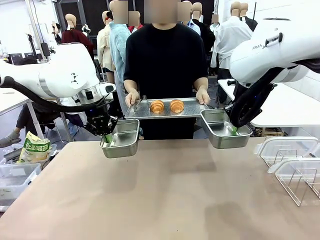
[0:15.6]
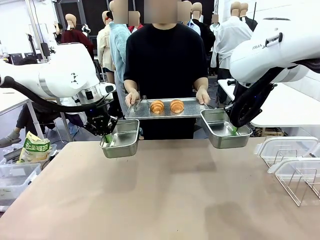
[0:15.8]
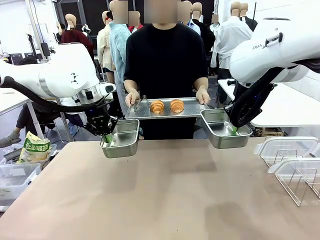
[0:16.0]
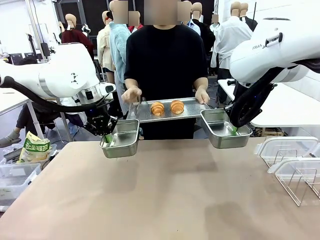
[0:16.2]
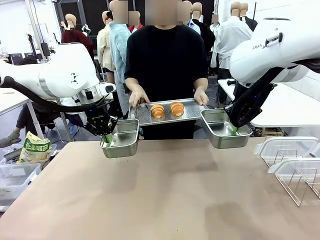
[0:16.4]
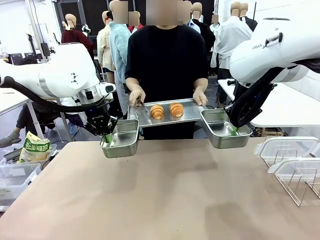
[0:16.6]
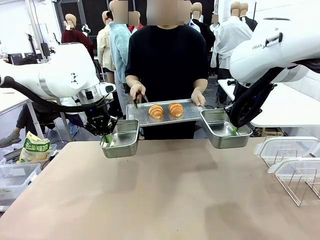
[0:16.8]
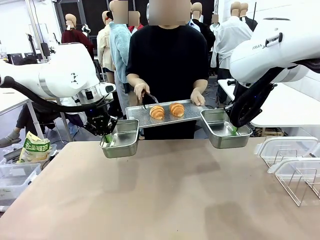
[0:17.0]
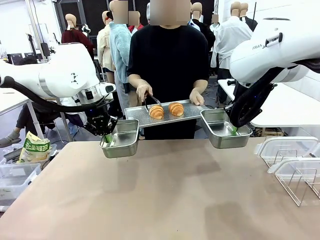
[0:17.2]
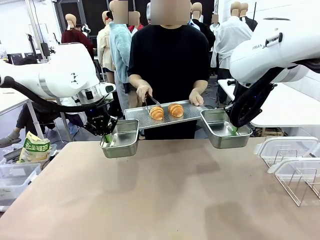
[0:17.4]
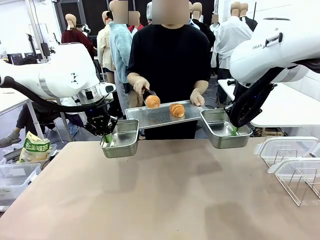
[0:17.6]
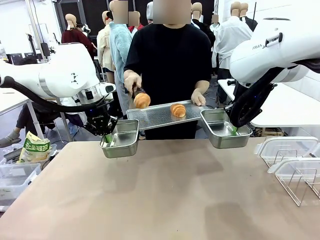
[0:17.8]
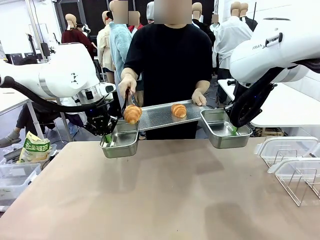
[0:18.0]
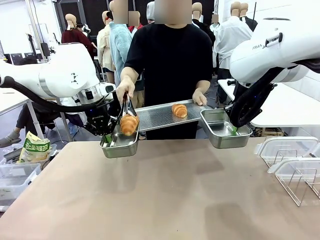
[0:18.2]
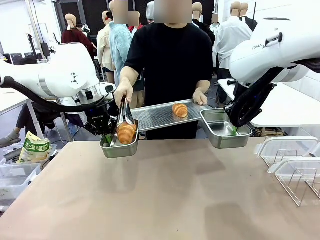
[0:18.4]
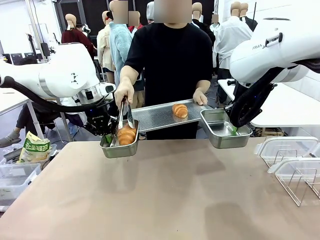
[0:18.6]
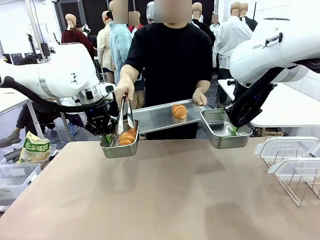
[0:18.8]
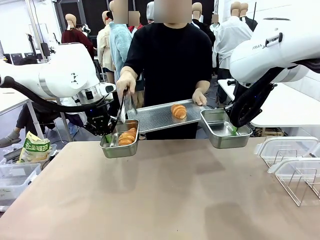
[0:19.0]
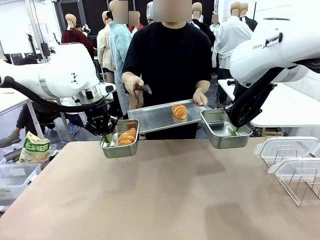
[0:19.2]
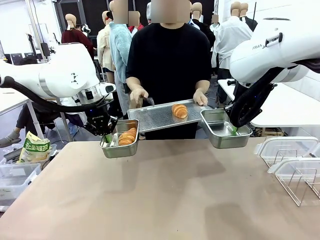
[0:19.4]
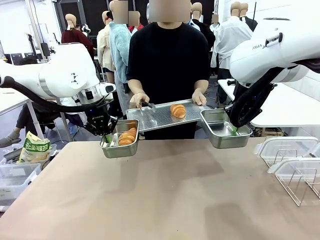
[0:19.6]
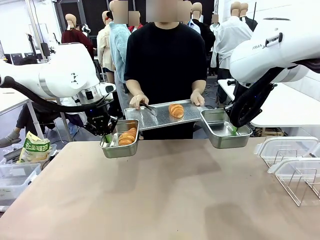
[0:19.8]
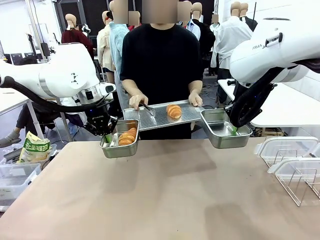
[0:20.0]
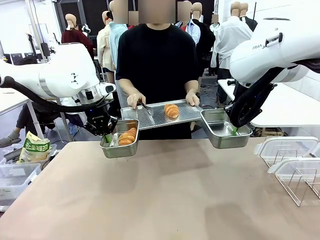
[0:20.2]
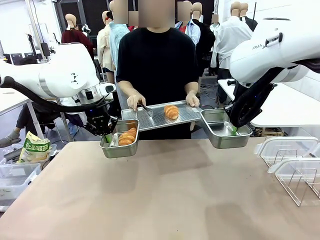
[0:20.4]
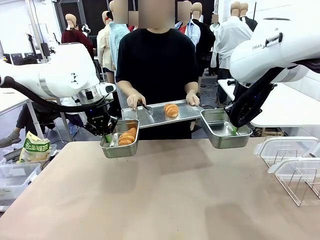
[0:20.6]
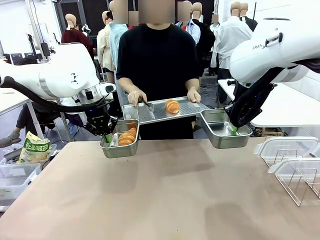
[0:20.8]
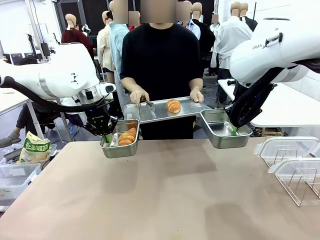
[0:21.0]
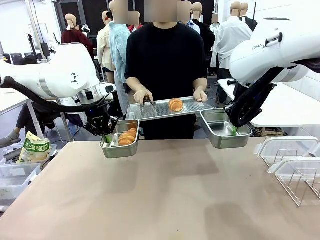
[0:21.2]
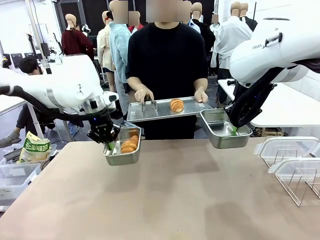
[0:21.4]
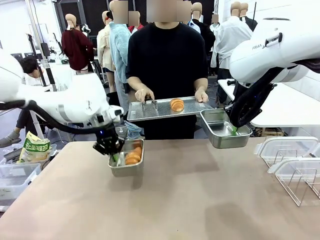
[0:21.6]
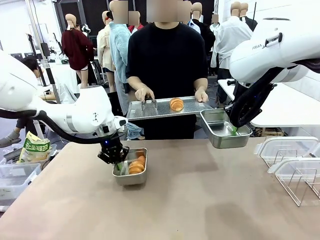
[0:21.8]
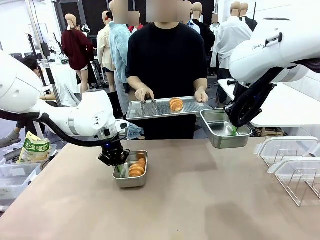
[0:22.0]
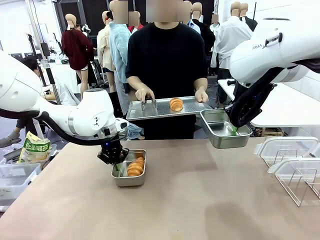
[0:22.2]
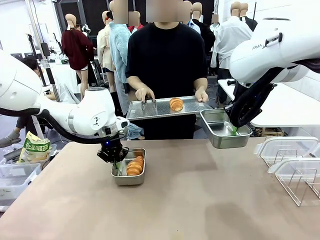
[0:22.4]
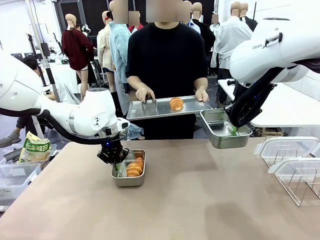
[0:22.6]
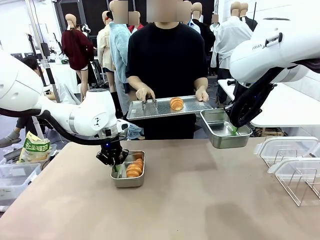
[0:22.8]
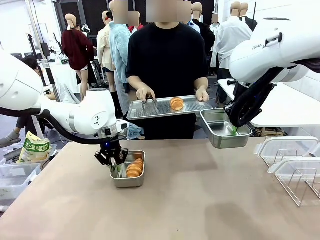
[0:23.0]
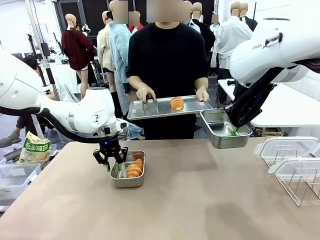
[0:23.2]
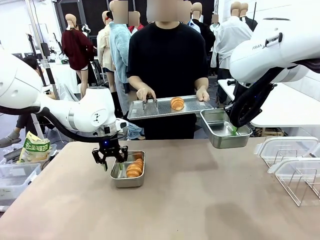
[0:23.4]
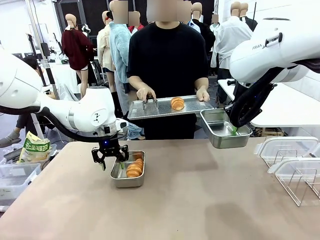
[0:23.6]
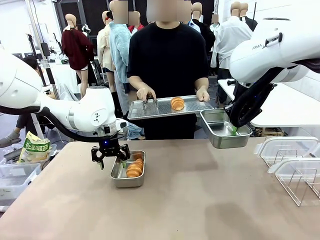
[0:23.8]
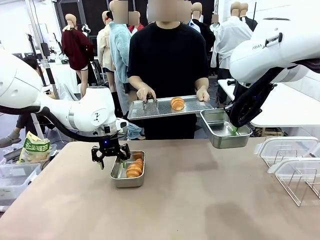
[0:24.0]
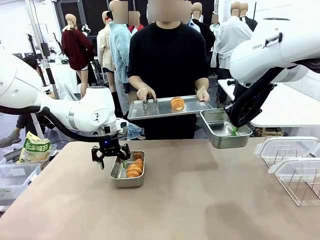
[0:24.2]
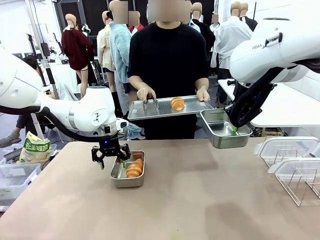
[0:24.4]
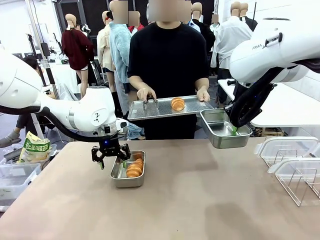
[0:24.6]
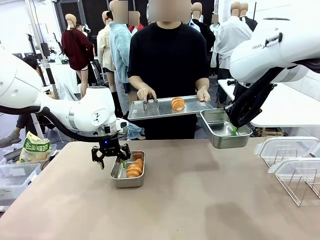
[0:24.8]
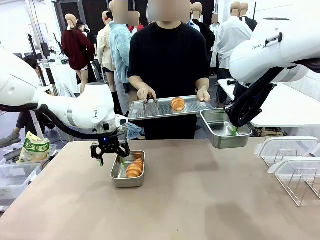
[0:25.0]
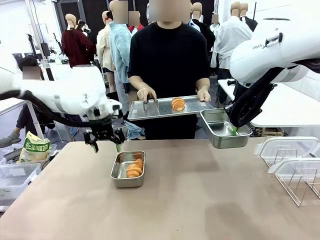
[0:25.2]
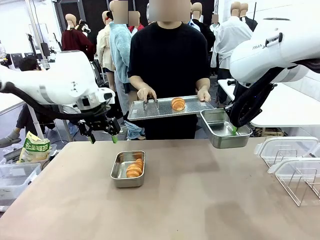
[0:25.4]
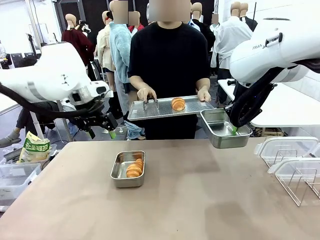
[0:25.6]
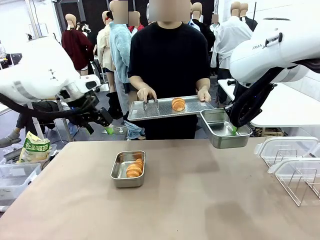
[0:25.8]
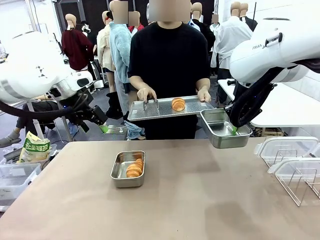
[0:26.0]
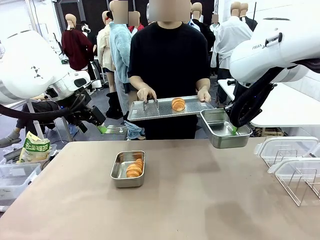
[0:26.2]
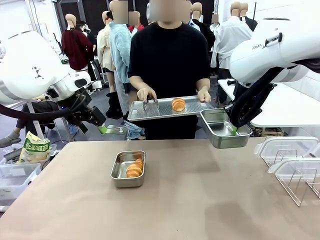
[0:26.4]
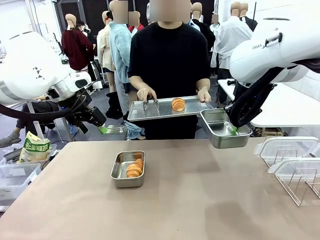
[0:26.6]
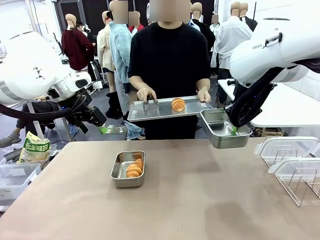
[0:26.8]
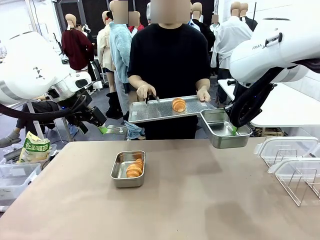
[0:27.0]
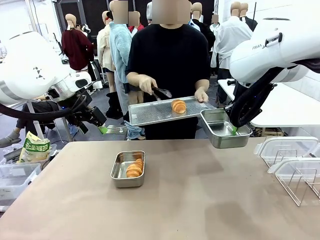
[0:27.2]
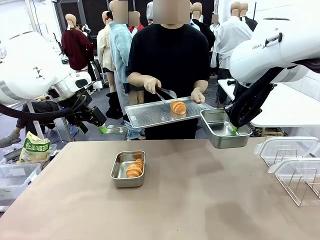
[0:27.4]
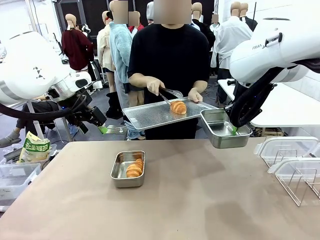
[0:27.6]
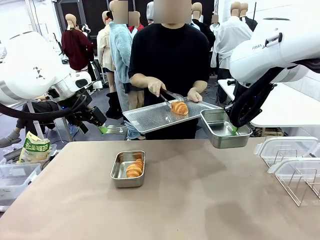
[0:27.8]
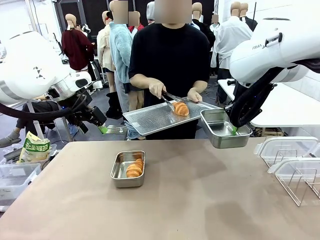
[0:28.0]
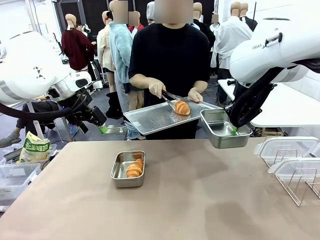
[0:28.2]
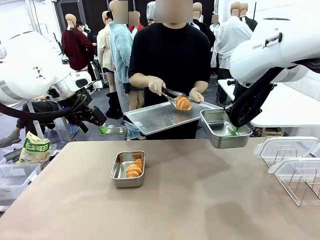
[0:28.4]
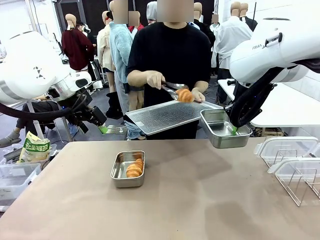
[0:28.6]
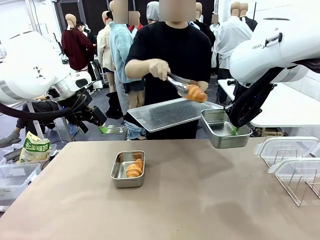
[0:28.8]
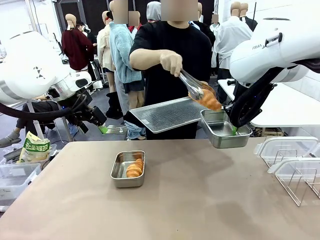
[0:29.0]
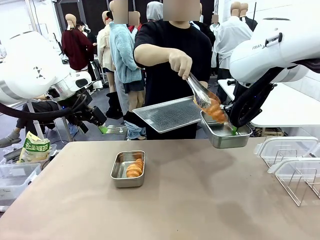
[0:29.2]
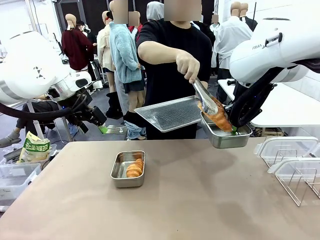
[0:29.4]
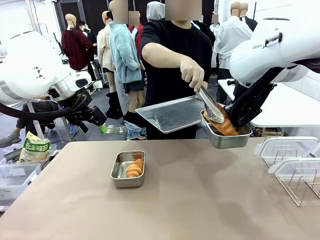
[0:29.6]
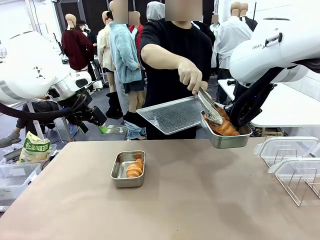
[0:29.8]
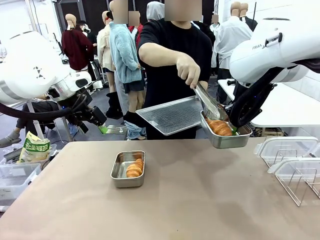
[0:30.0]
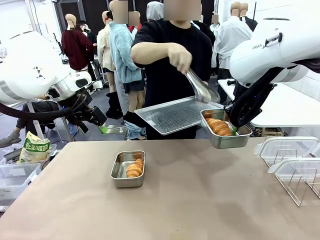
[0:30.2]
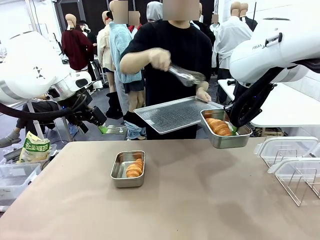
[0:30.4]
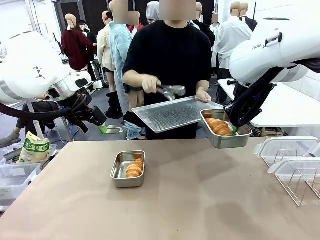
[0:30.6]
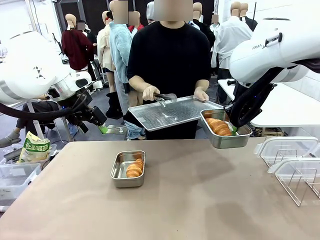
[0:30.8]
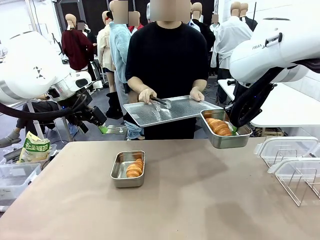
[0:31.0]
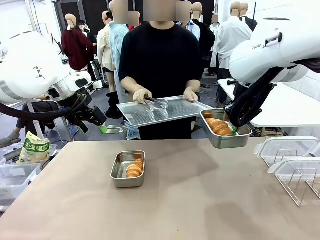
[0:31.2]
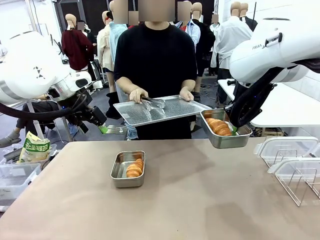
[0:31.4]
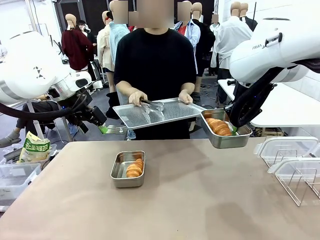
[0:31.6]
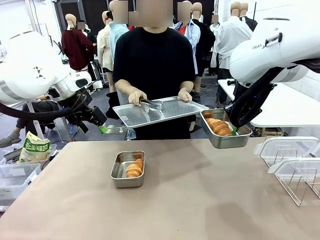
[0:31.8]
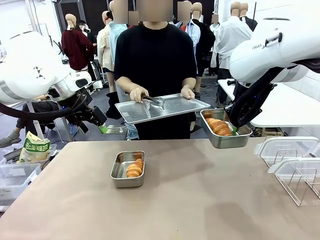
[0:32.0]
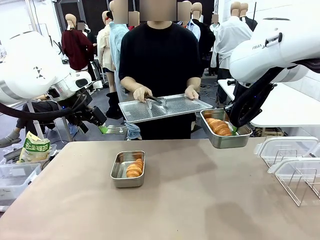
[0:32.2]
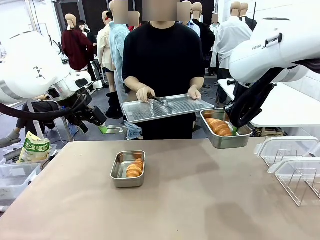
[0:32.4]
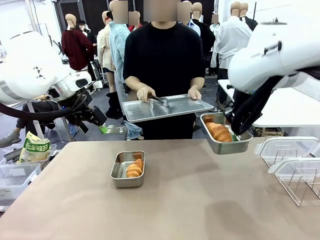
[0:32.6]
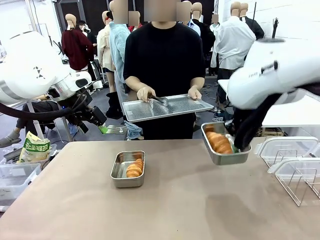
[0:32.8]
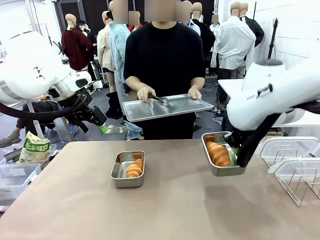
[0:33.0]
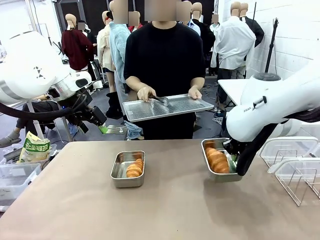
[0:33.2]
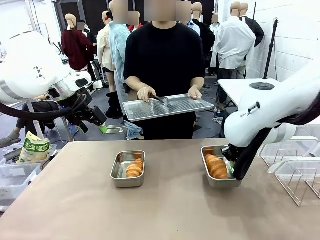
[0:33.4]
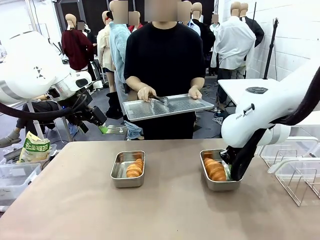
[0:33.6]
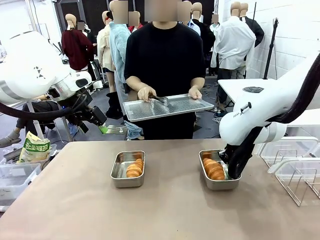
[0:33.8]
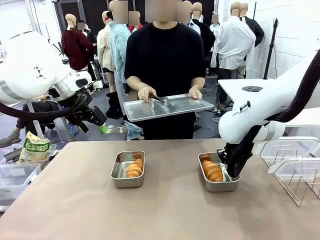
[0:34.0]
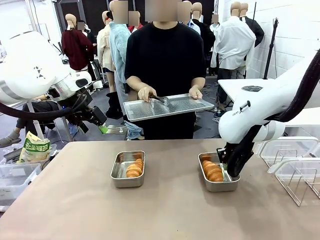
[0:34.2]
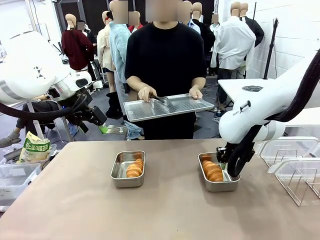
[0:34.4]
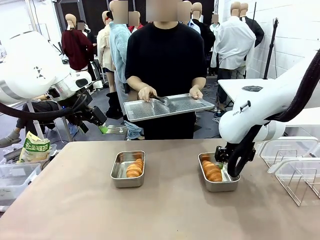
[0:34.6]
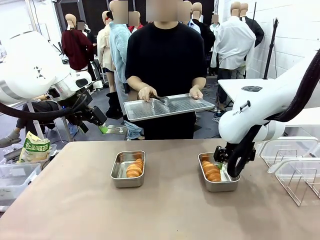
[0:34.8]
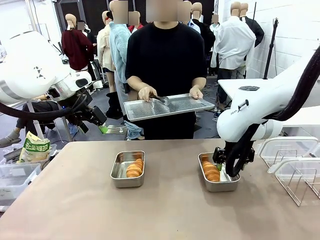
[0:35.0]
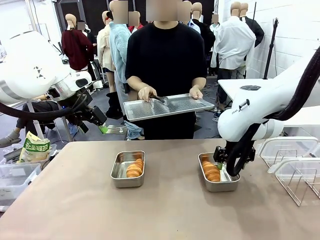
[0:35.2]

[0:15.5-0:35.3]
Task: Place the bread in airtight containers.
Robot: Once an object is inside an Airtight Container , place the container in the center of the table.
Person: Use the Stainless steel tongs to place one object from Baking Sheet into one Airtight Container.
